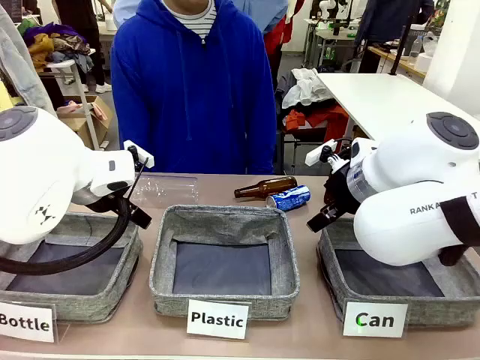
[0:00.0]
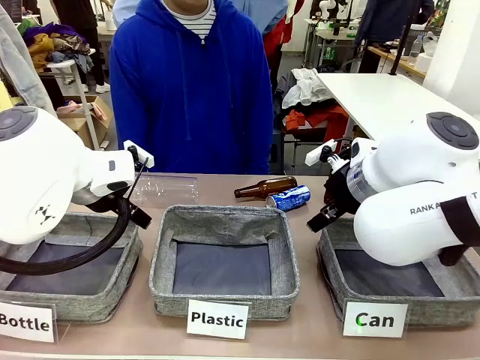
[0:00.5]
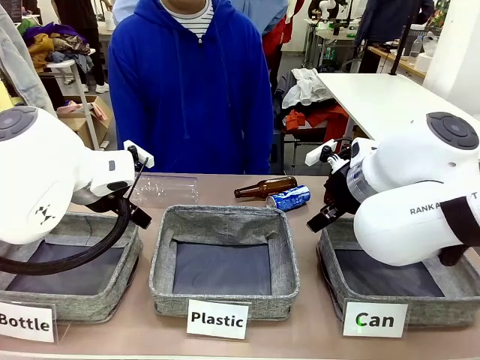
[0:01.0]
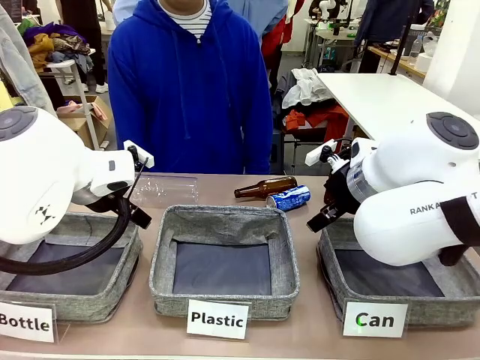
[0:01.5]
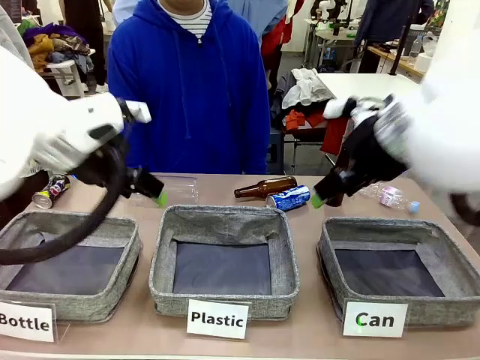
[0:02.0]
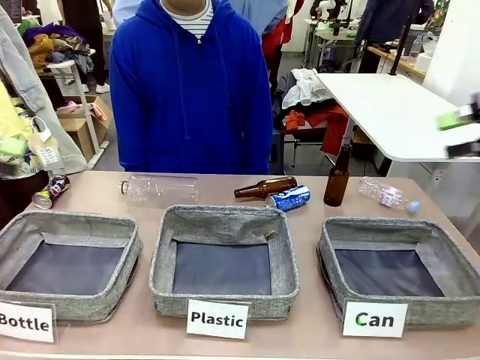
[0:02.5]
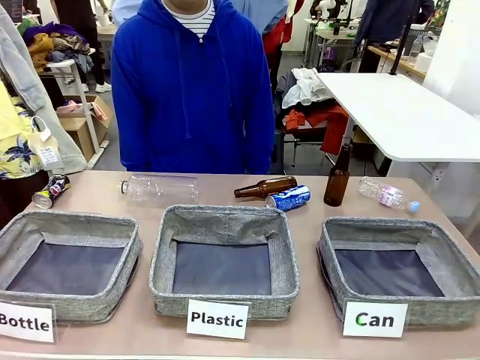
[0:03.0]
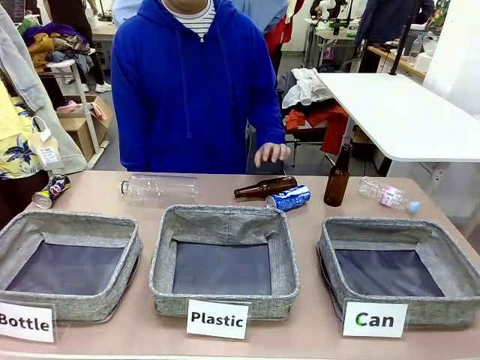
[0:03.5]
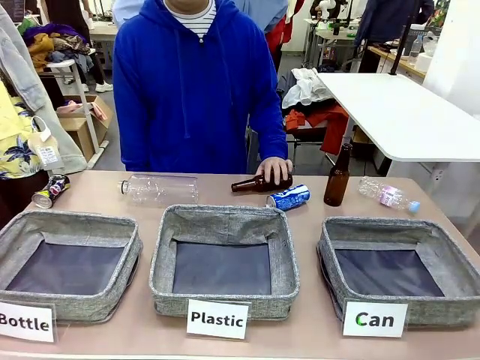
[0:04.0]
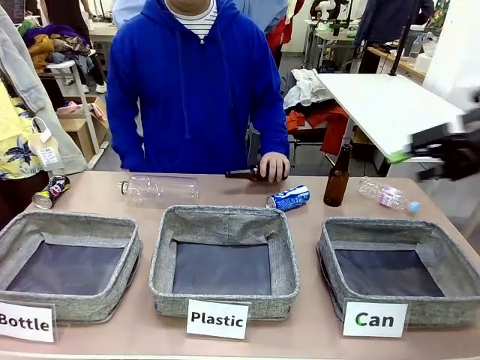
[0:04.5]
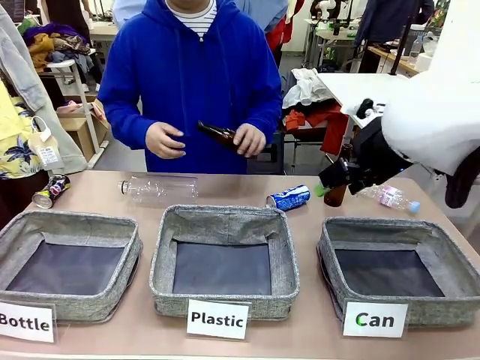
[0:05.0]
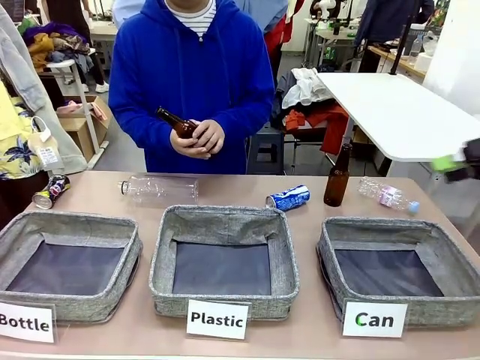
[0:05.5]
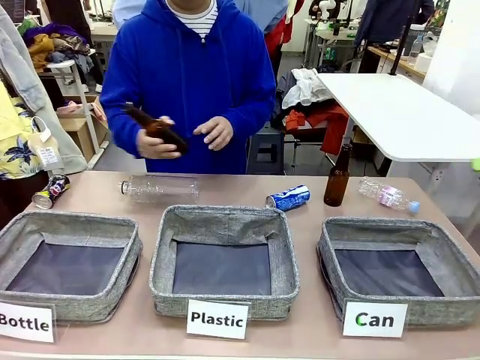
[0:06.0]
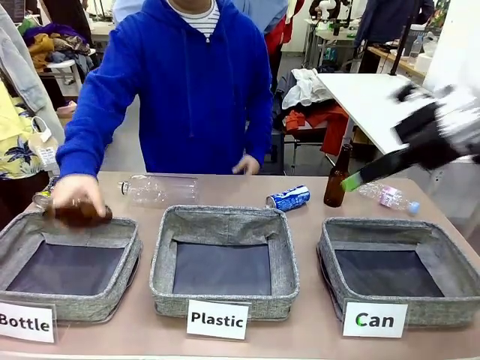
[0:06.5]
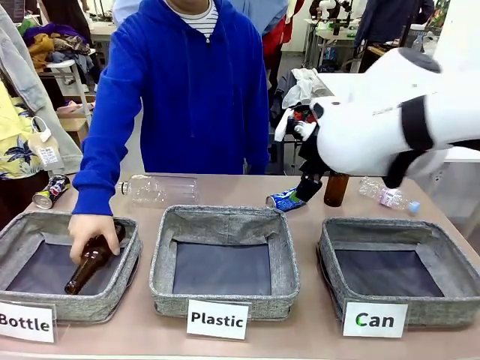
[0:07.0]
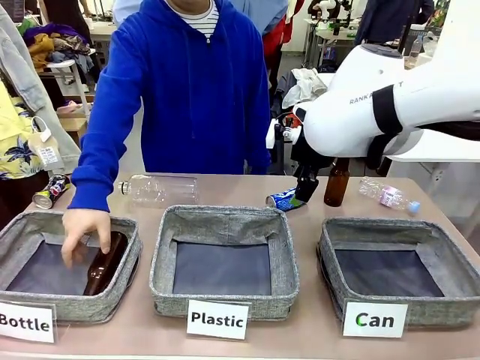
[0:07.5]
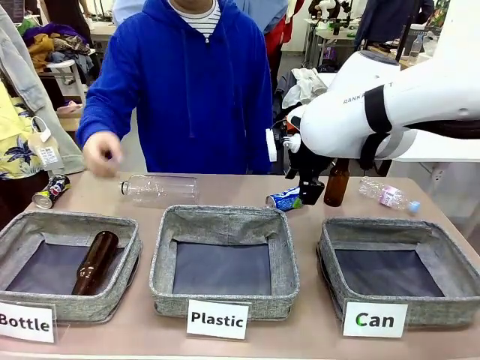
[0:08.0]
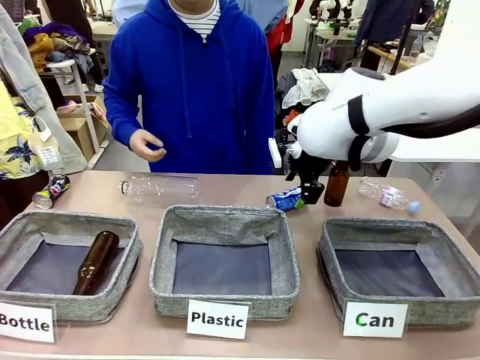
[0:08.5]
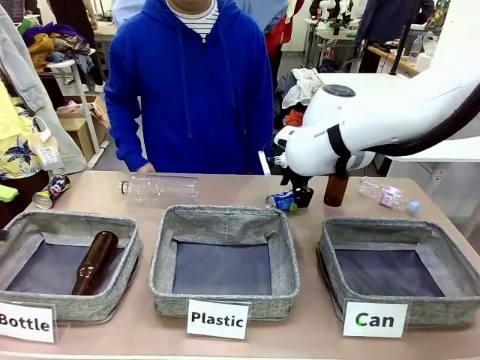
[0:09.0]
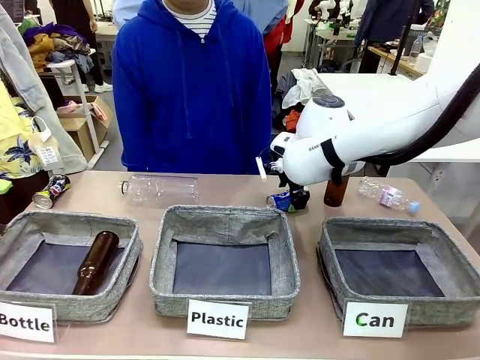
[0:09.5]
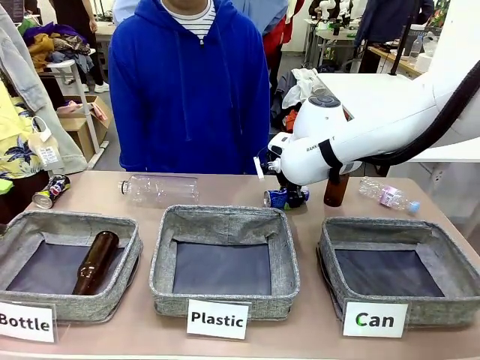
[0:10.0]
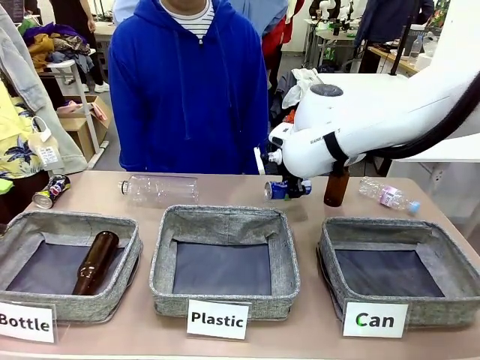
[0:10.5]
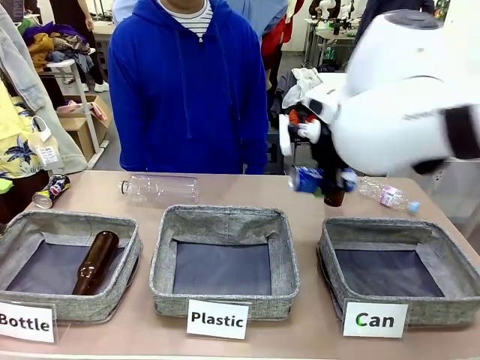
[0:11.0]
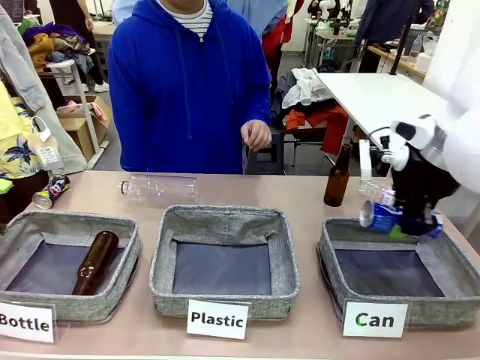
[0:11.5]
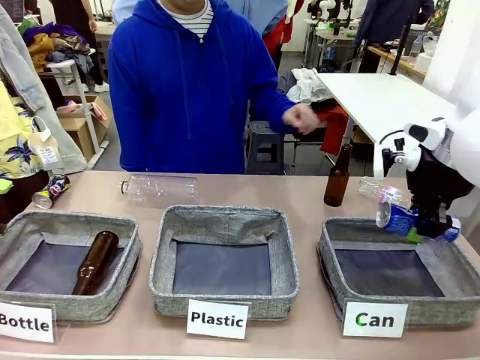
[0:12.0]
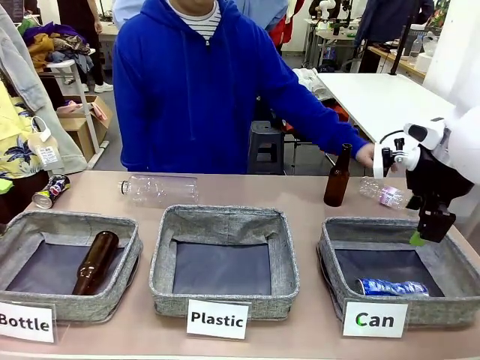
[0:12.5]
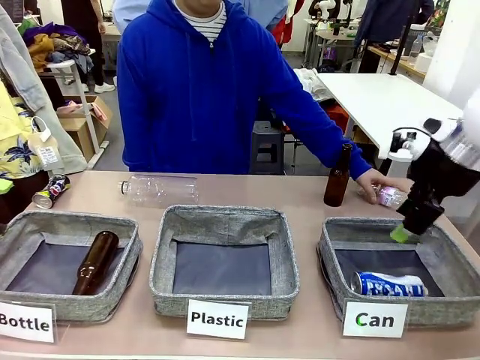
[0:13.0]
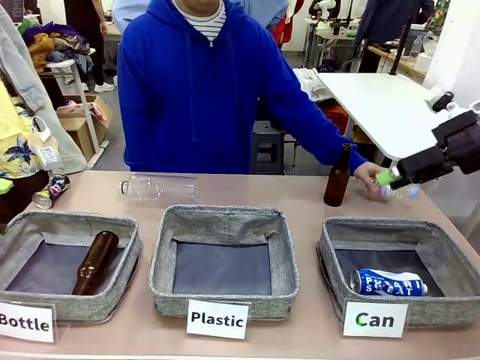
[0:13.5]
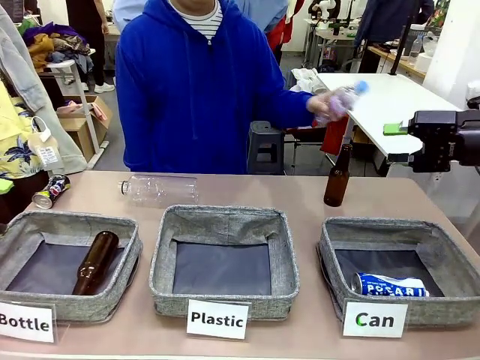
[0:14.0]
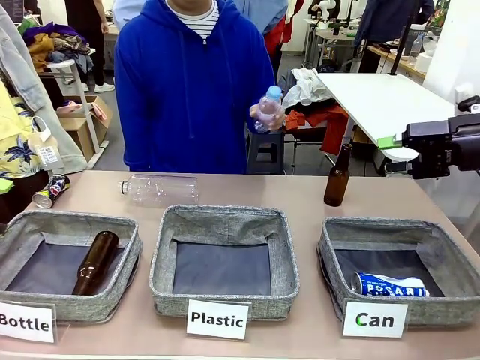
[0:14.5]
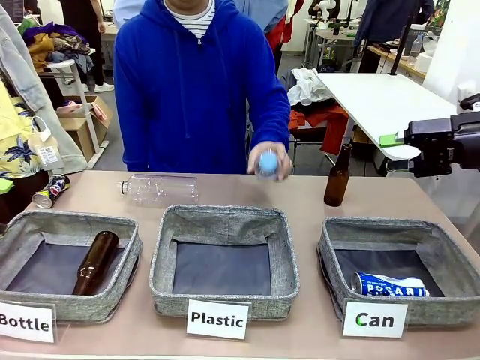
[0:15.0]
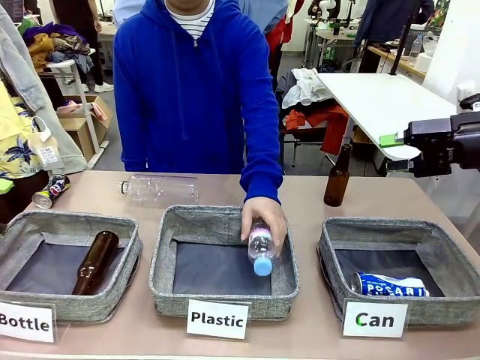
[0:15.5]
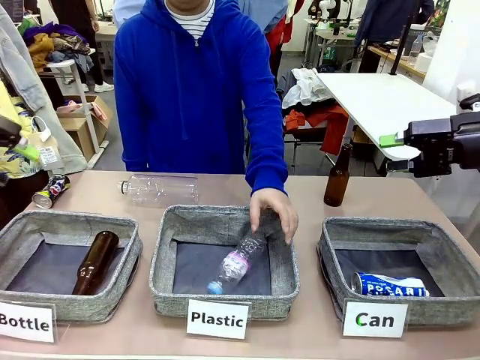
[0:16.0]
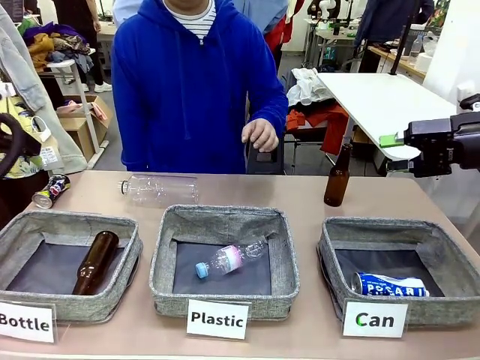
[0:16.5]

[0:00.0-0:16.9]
Task: Sort the can waste into the basket.
Robot: Pick up the can waste from the table and place it in the right Fabric basket.
